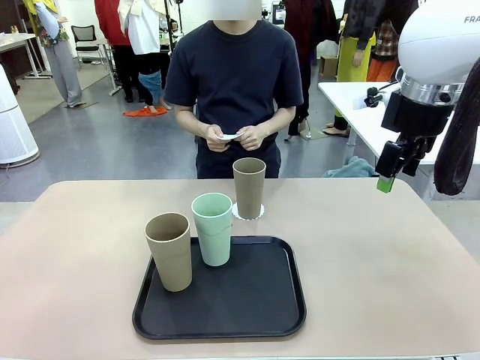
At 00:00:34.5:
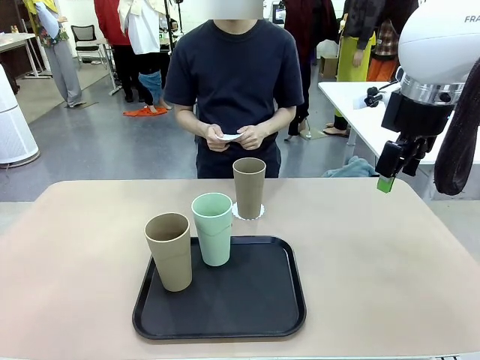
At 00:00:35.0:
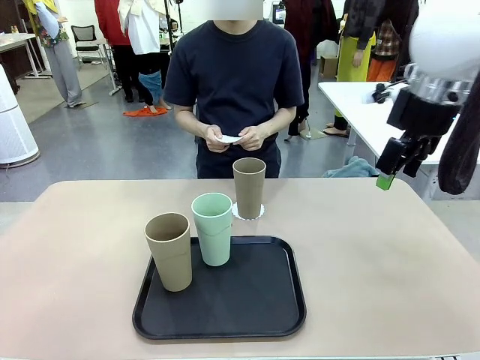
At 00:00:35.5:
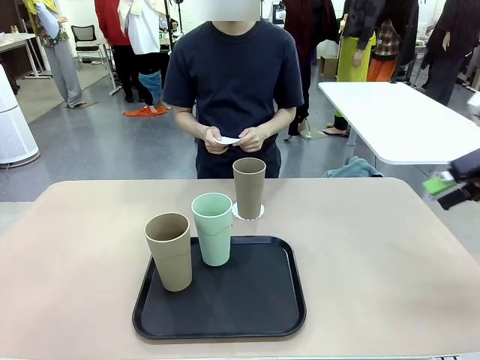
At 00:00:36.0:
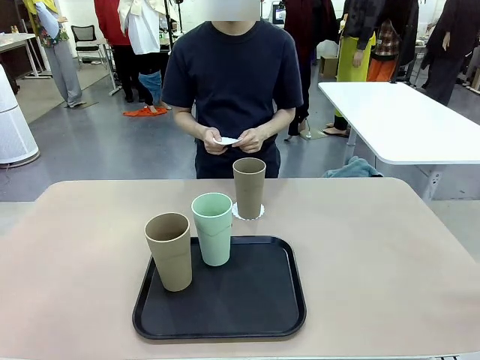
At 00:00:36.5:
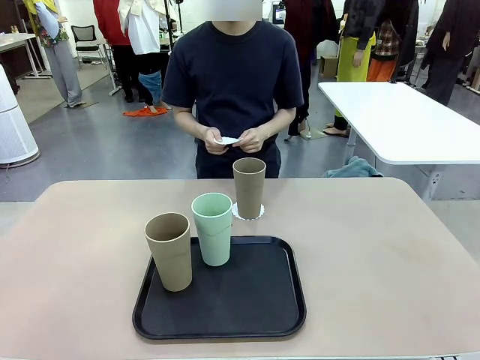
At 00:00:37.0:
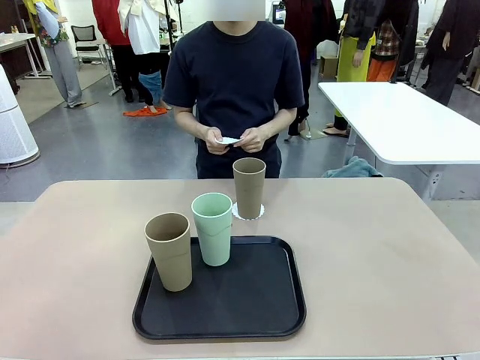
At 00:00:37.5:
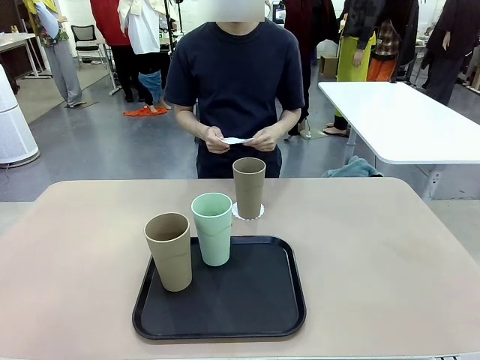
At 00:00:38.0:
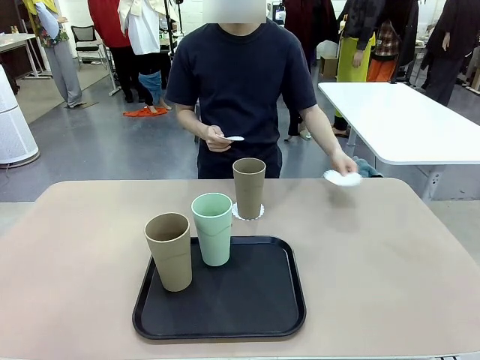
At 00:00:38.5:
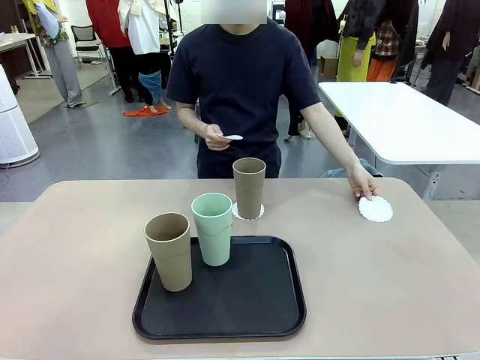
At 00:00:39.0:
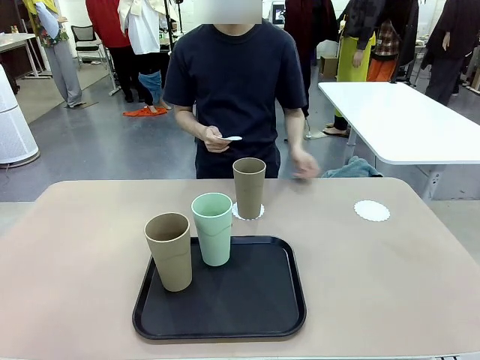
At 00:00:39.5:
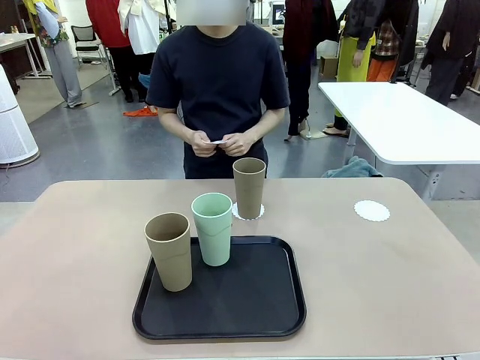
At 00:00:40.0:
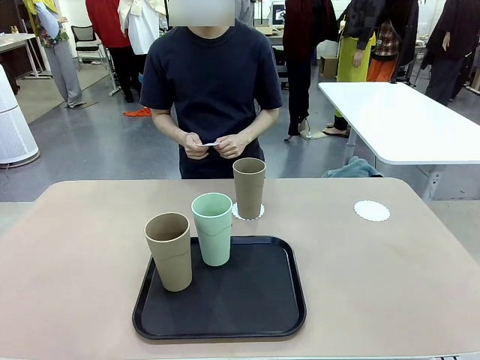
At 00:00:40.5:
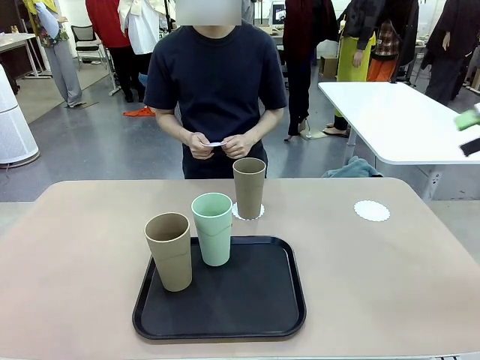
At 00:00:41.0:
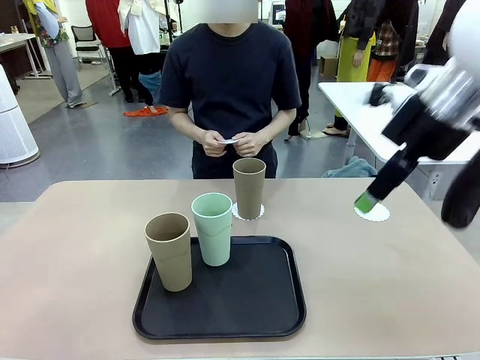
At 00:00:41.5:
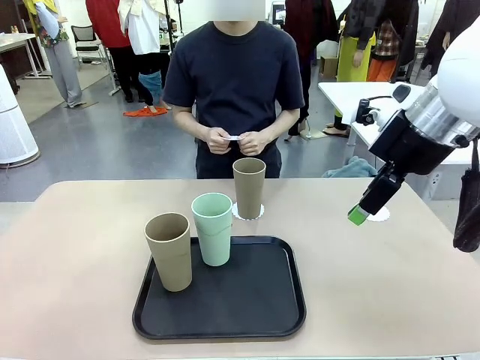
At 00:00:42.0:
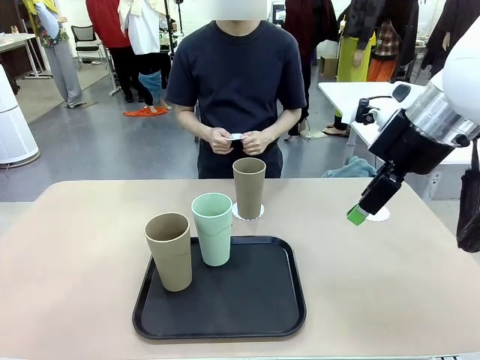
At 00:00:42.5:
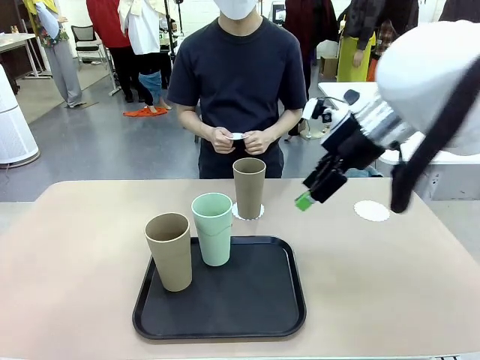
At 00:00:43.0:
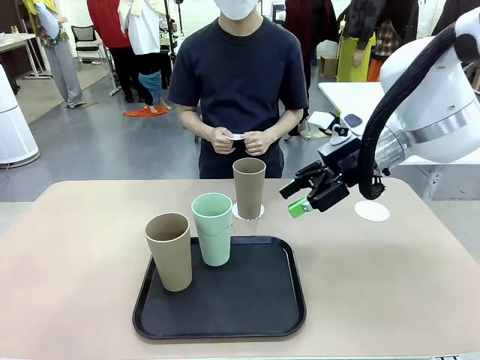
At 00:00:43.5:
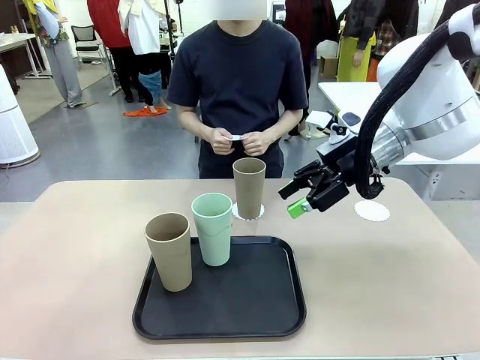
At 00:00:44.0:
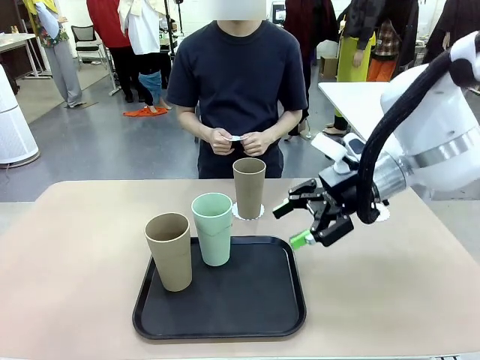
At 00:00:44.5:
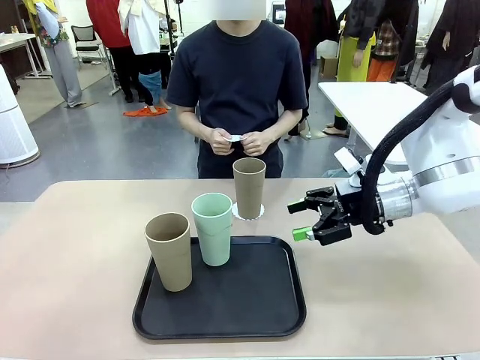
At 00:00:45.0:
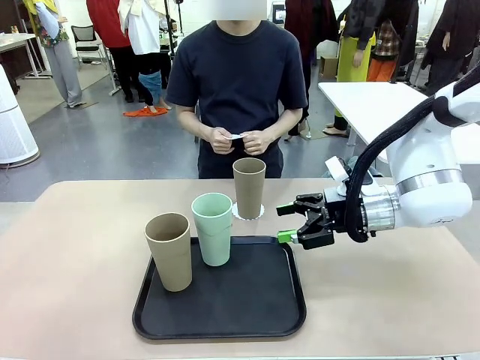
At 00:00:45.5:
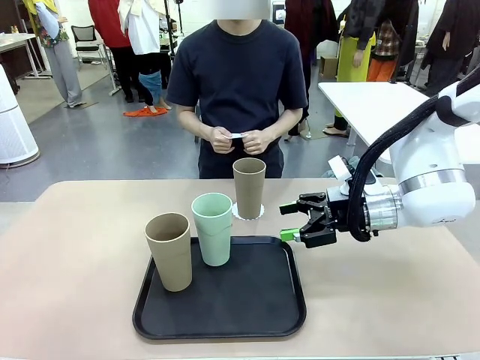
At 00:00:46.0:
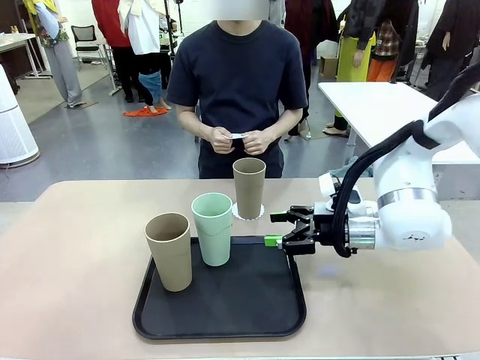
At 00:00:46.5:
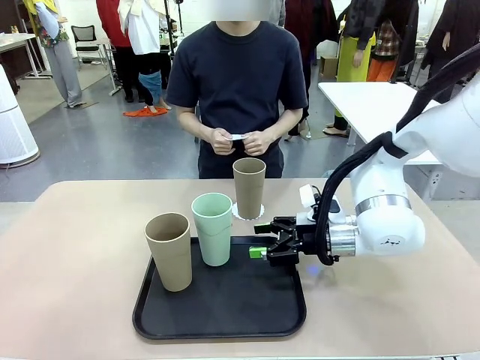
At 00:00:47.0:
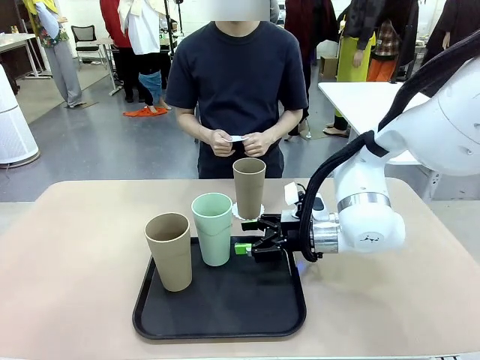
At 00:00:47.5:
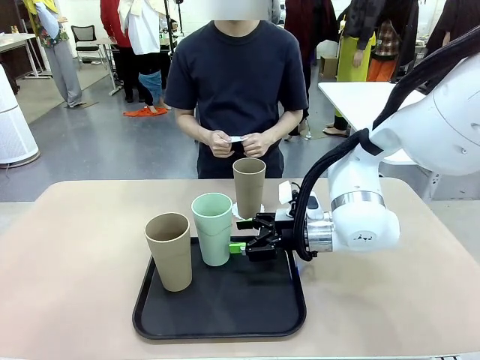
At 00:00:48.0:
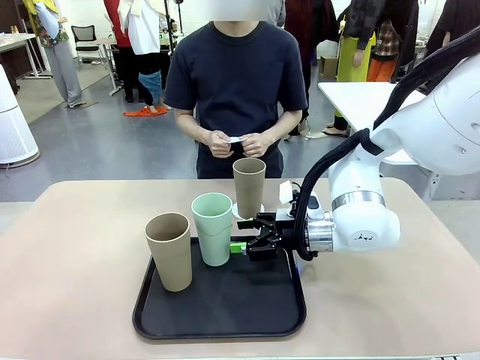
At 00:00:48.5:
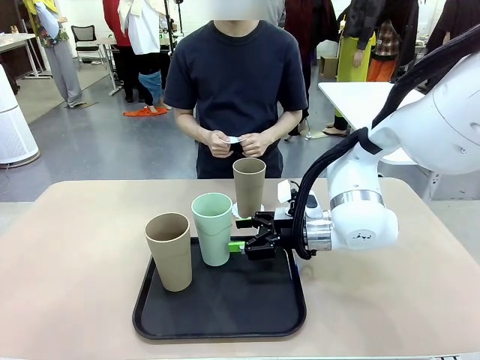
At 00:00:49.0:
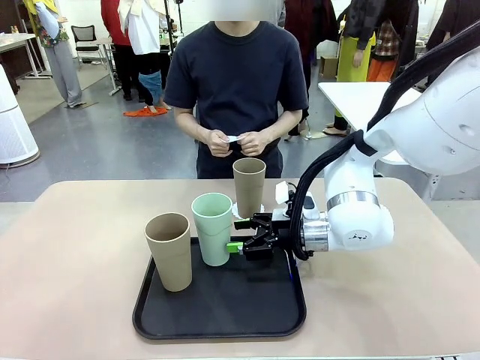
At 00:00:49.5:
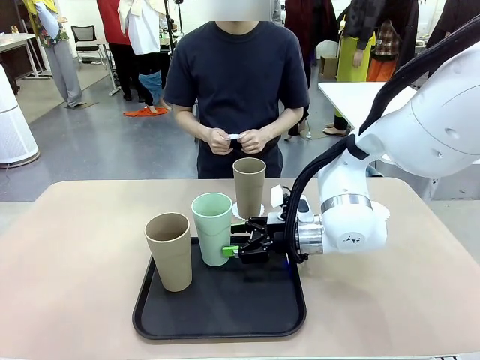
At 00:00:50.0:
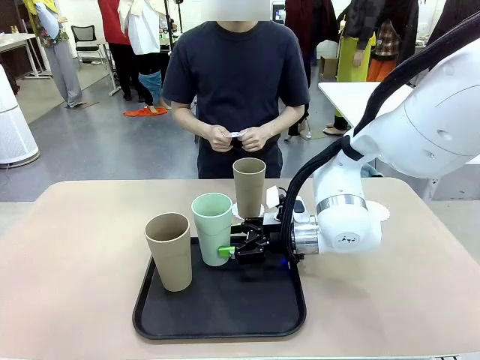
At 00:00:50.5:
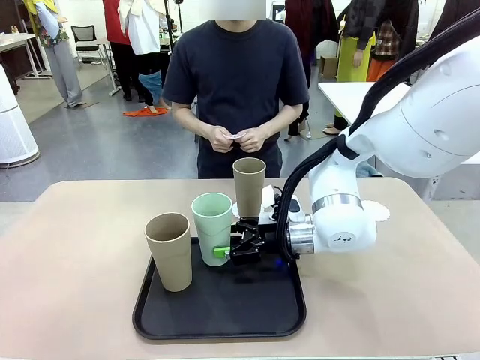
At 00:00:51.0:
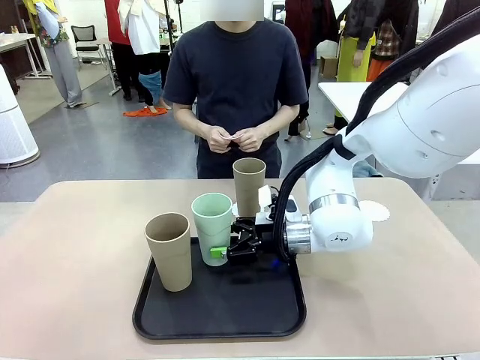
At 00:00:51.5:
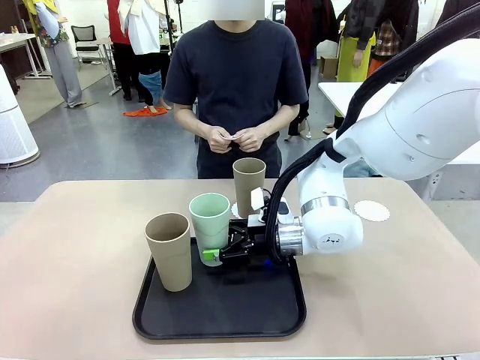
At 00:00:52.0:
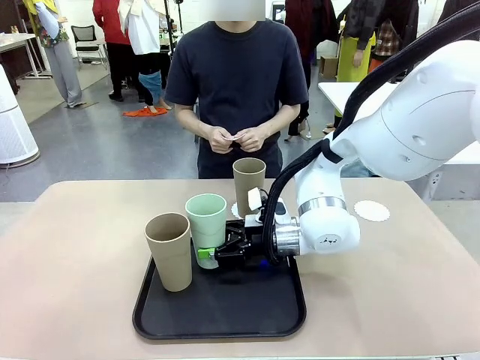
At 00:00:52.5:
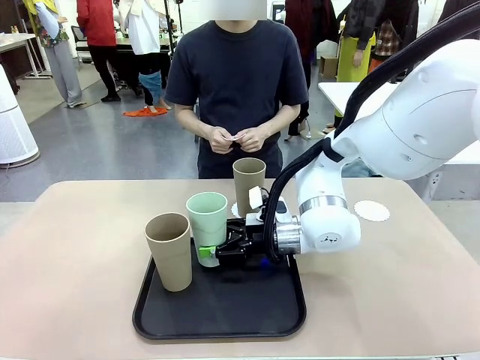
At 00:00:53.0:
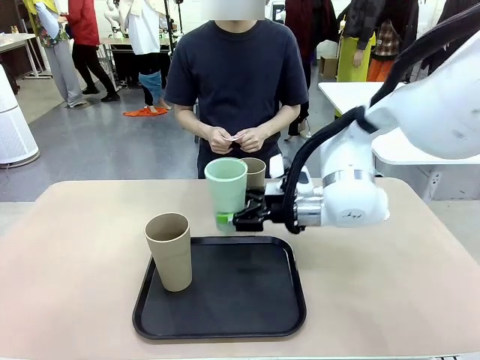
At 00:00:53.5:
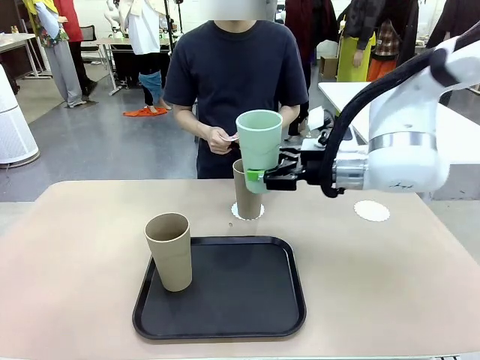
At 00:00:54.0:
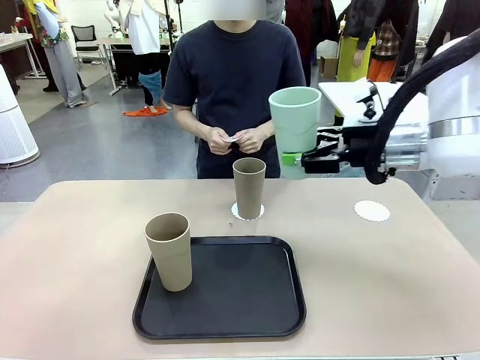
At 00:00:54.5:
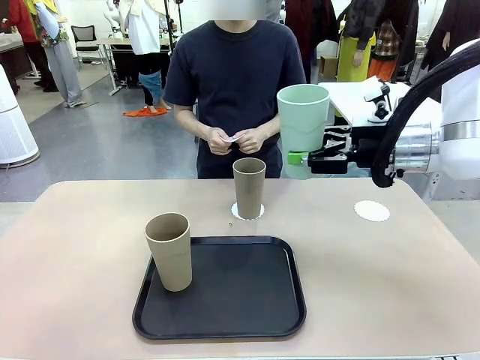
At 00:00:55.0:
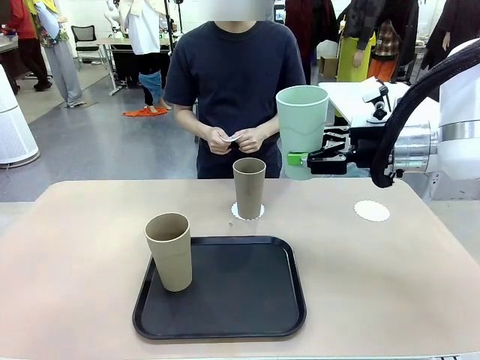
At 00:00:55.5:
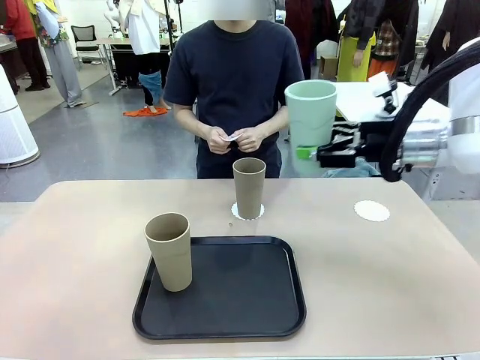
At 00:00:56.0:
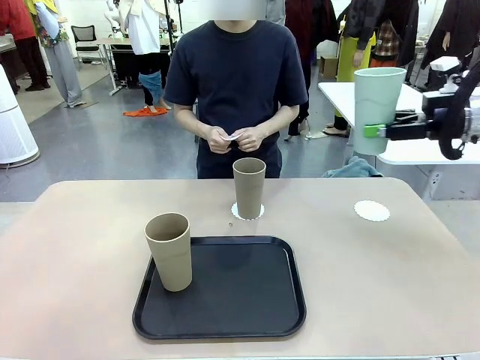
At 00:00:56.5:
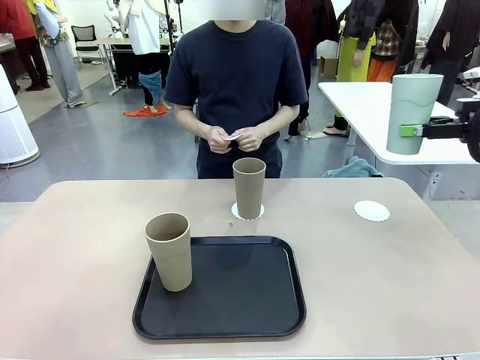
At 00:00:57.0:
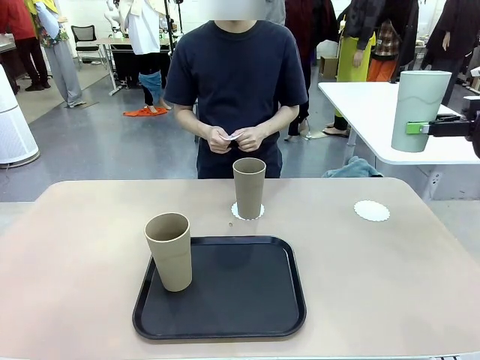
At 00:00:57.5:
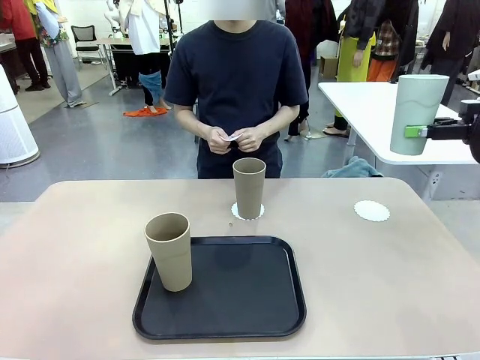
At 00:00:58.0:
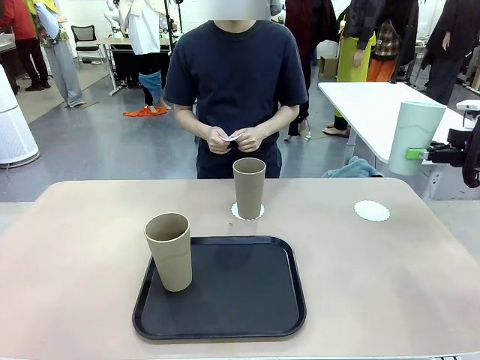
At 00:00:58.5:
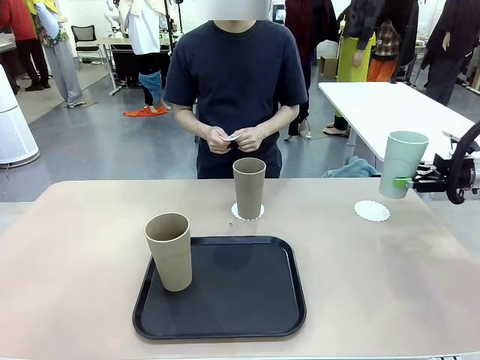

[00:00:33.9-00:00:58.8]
Task: Place coasters on the table and set cups on them.
Robot: Take one Reusable plastic cup from the Flat Tray and place it on a coaster set by the human.
